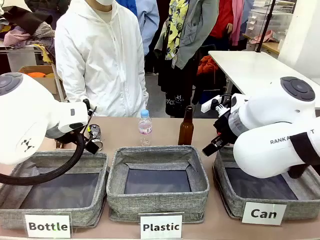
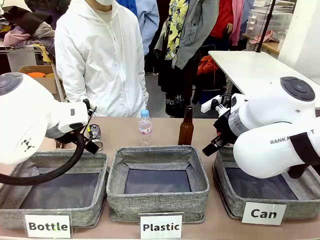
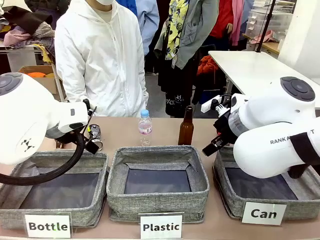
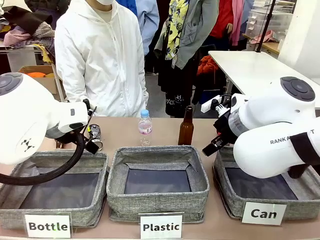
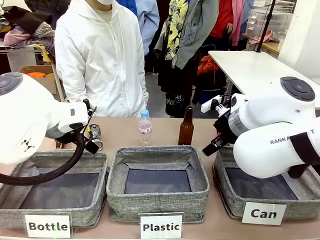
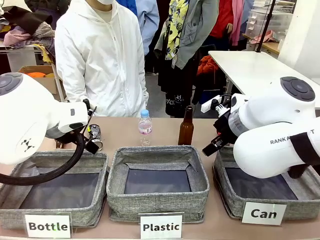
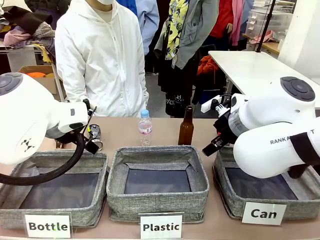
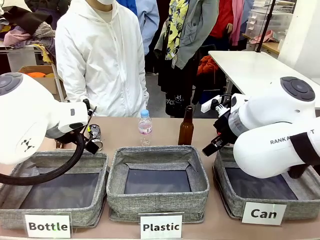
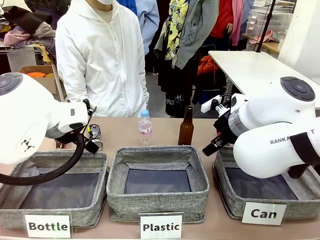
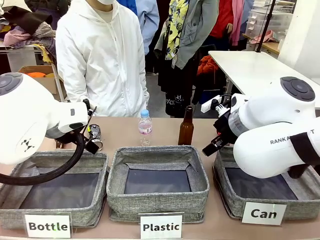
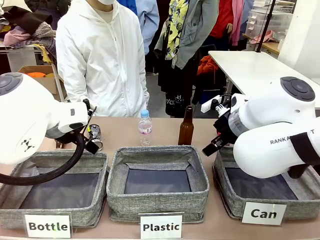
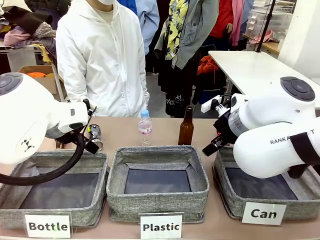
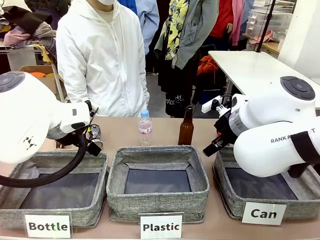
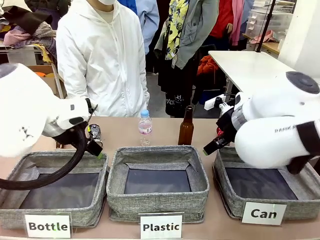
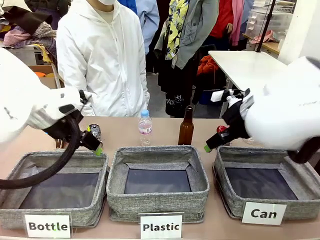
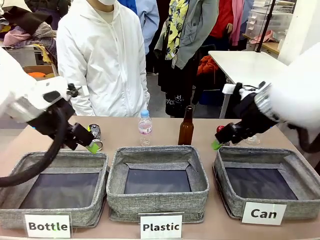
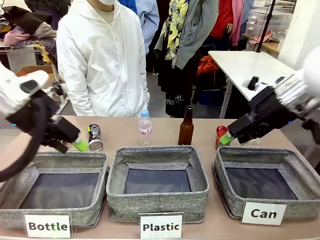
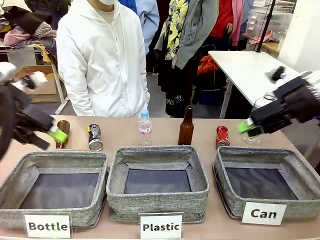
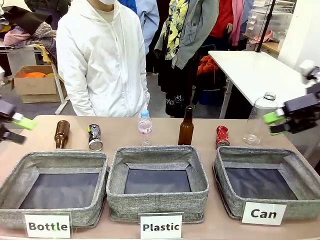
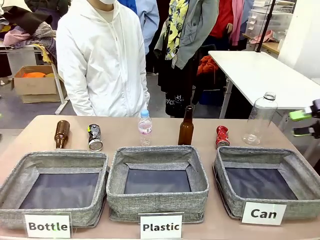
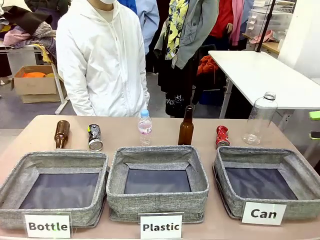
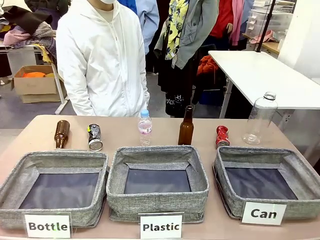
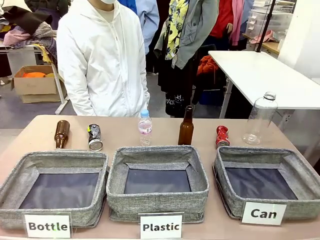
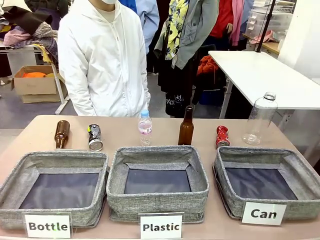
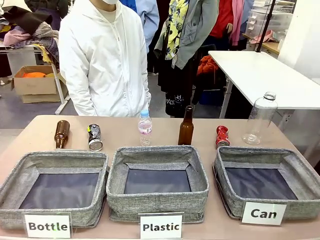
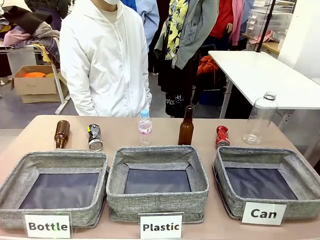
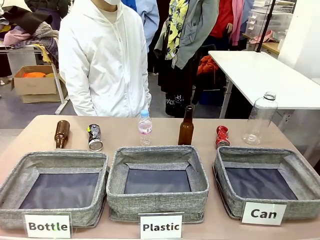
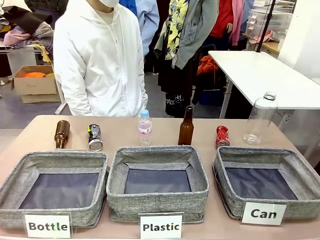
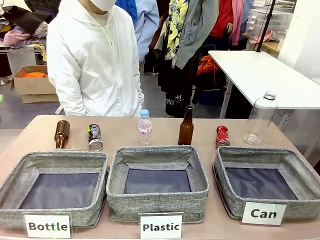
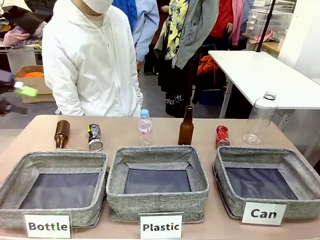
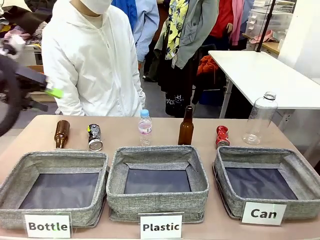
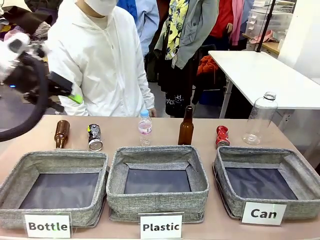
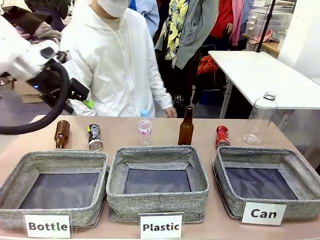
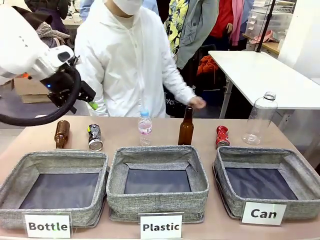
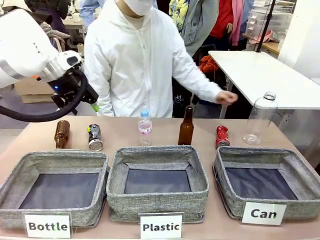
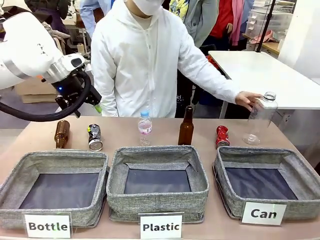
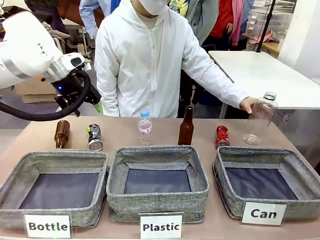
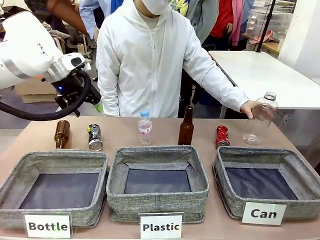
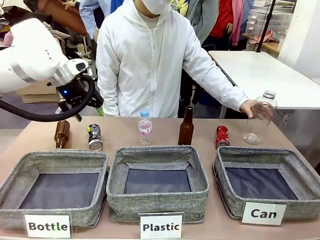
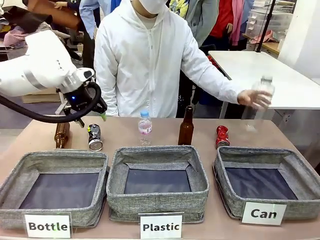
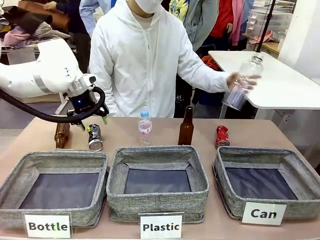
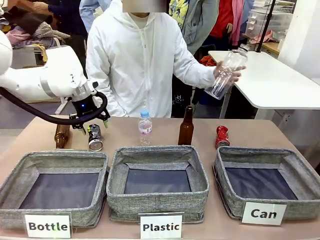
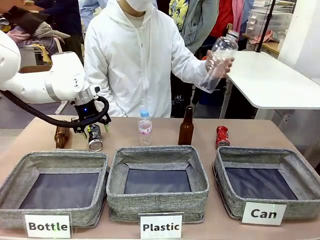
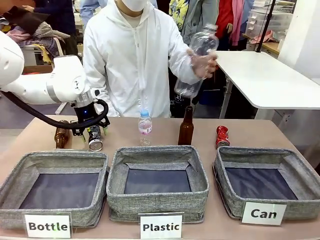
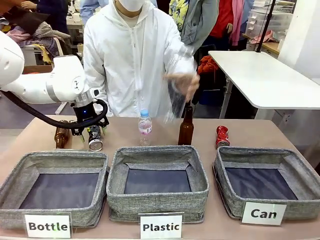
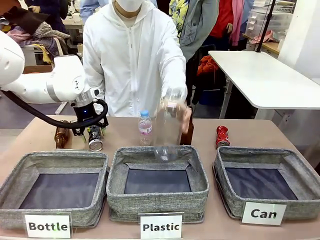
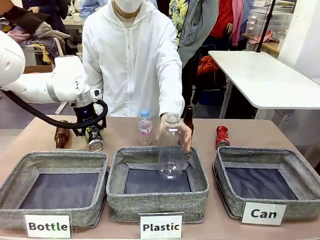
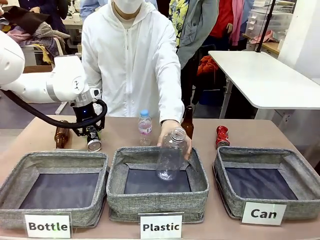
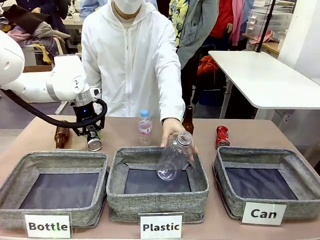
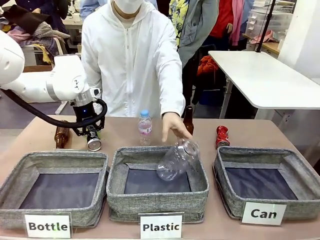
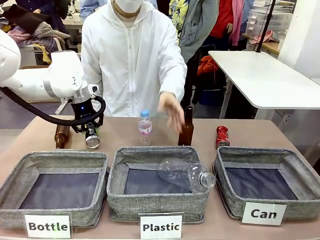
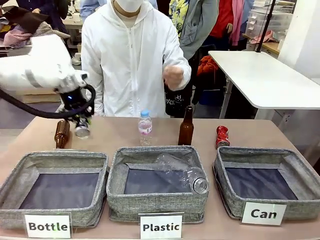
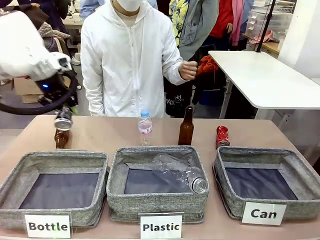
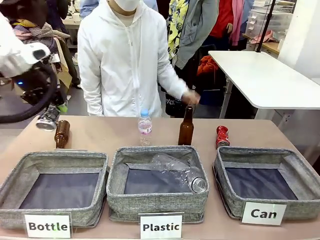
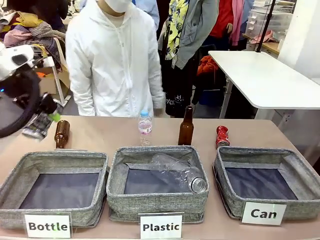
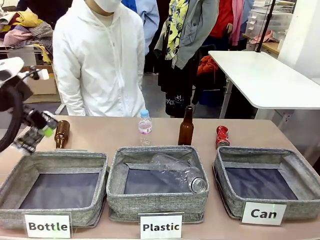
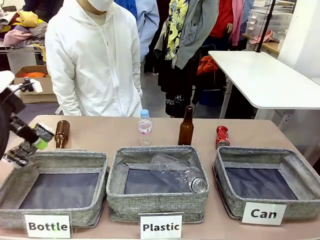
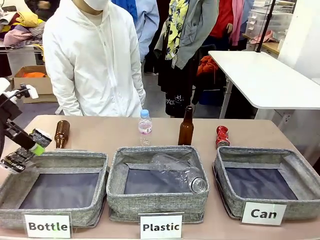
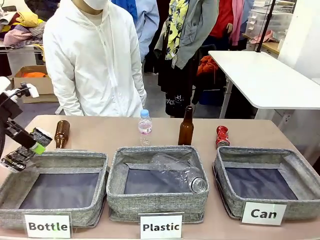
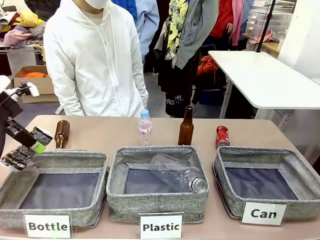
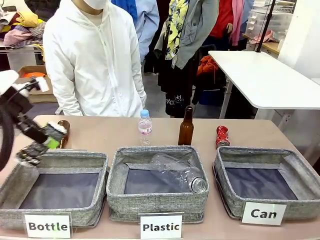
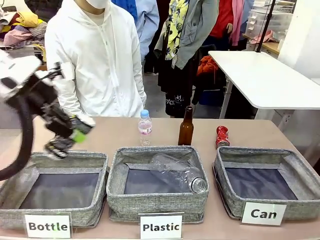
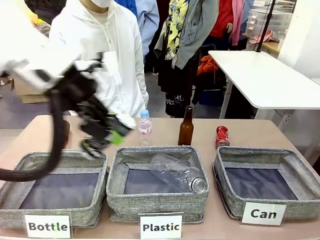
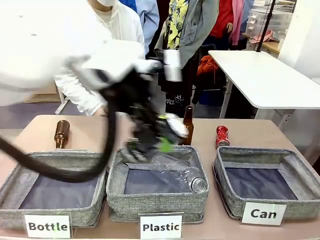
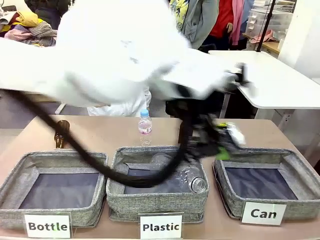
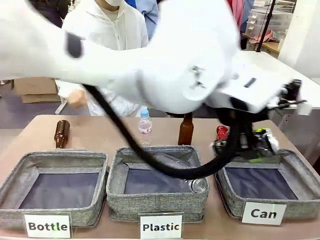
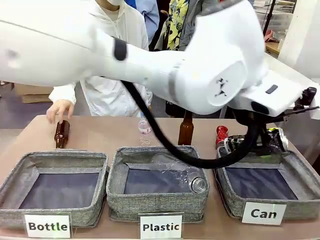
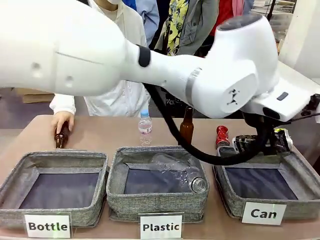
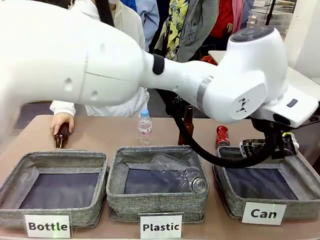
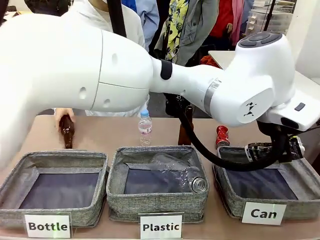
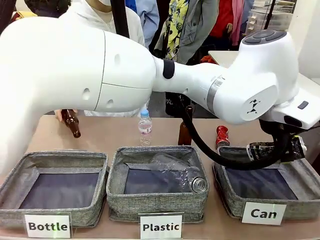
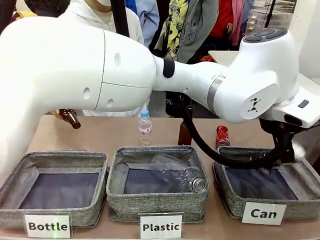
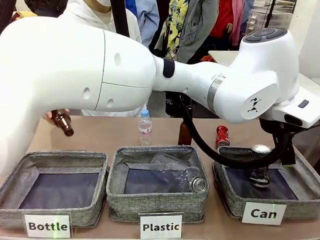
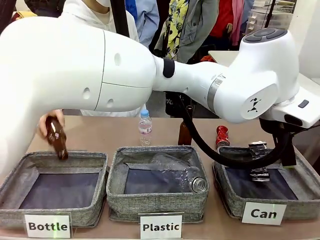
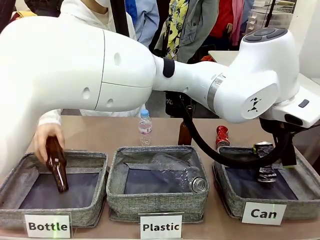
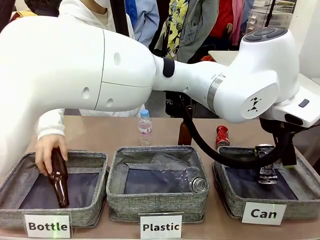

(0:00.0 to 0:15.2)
Task: Sort the can waste into the basket.
Robot: Pick up the can waste from the table and place it in the right Fabric basket.
